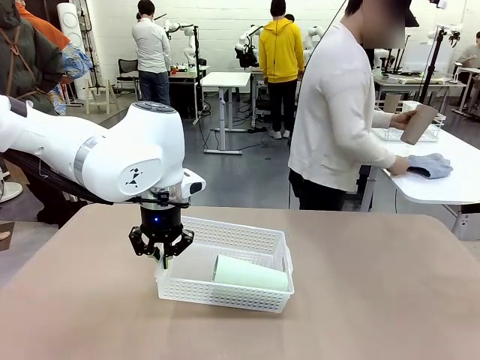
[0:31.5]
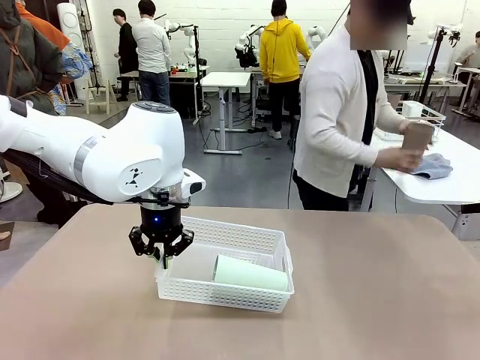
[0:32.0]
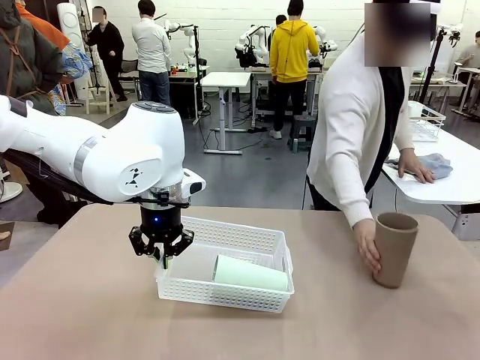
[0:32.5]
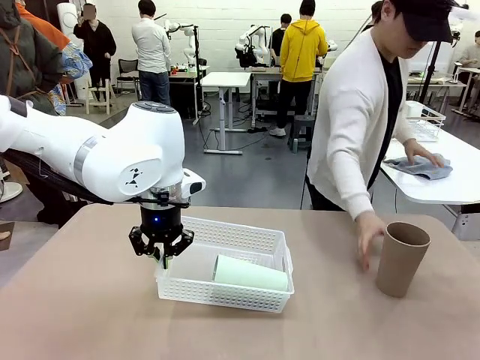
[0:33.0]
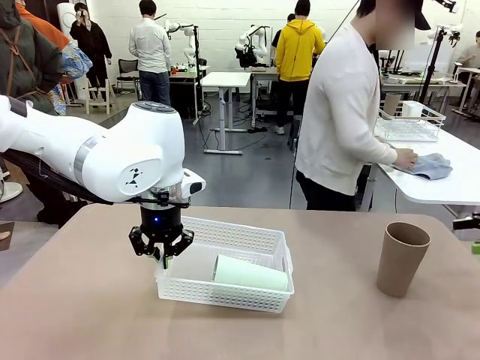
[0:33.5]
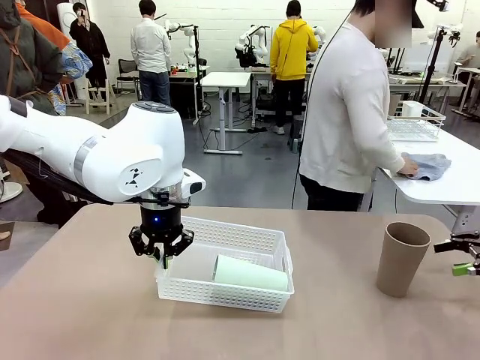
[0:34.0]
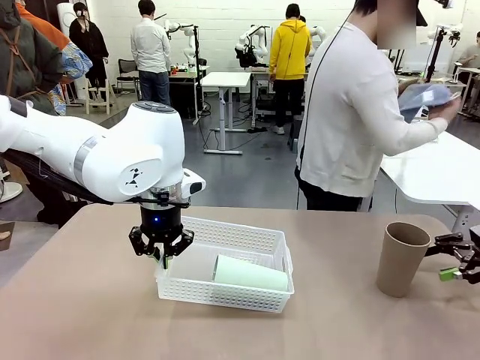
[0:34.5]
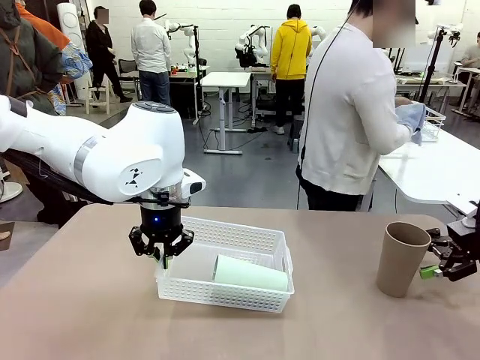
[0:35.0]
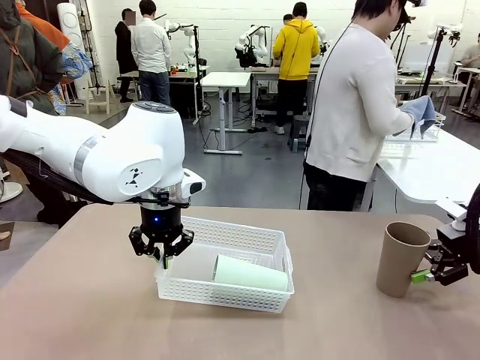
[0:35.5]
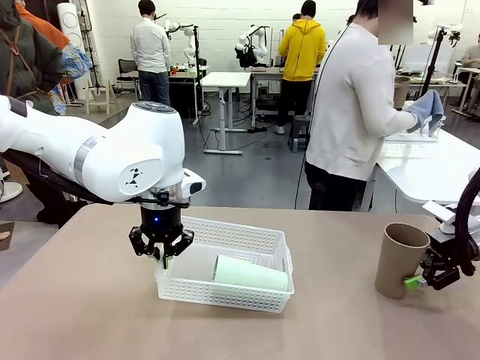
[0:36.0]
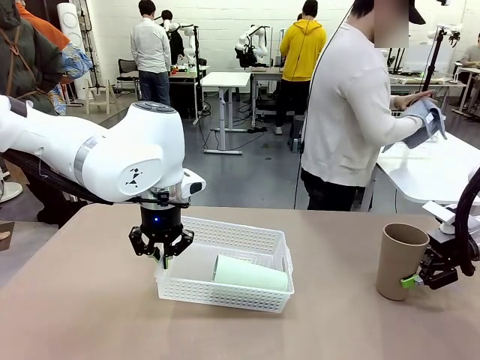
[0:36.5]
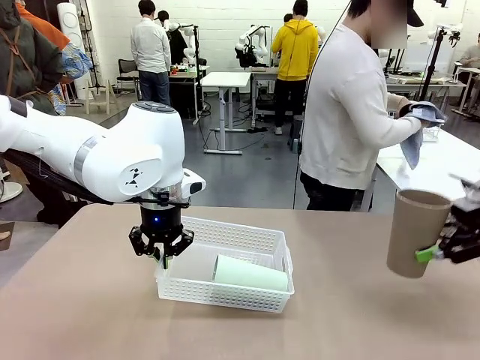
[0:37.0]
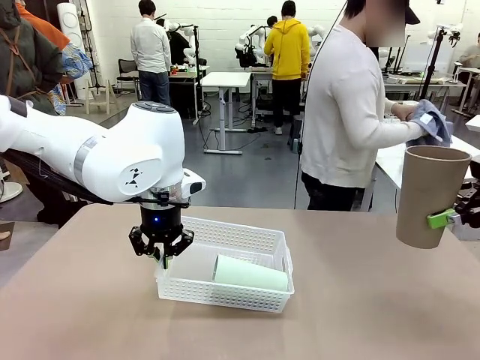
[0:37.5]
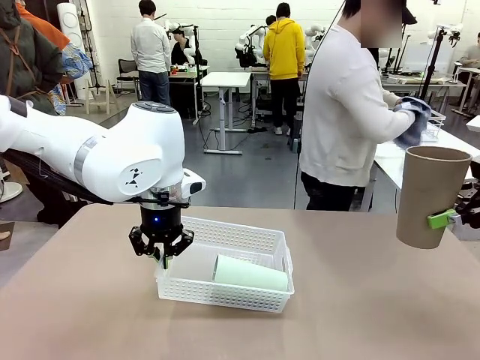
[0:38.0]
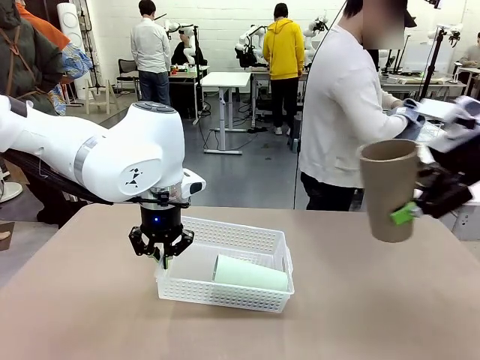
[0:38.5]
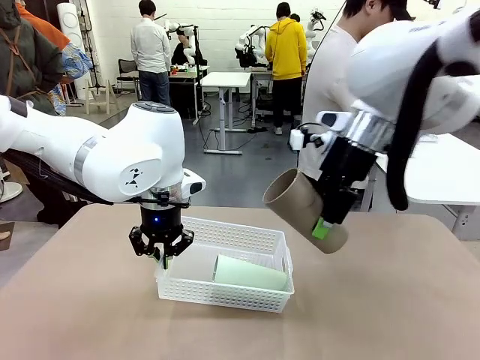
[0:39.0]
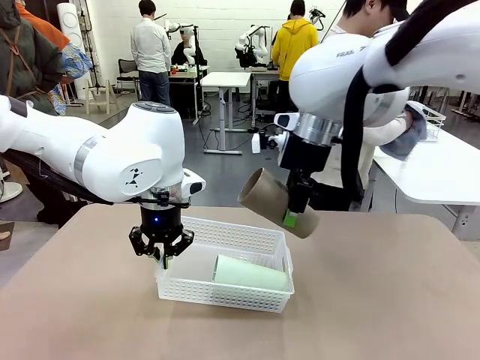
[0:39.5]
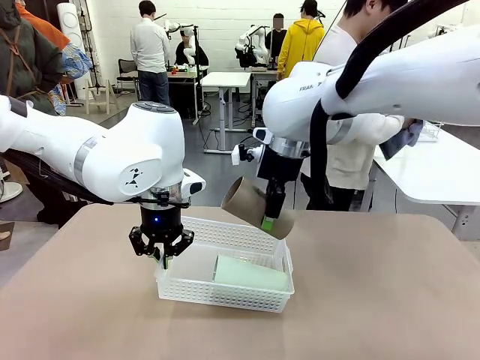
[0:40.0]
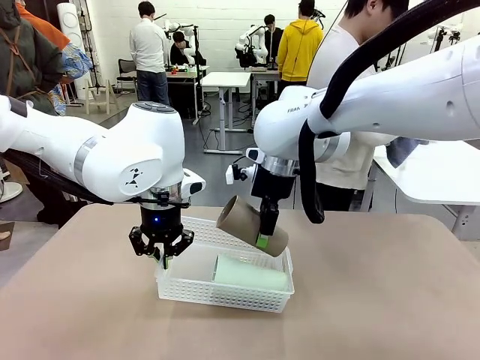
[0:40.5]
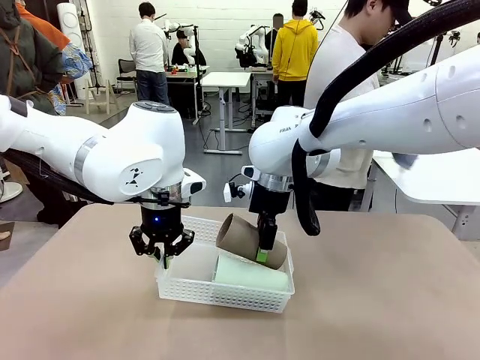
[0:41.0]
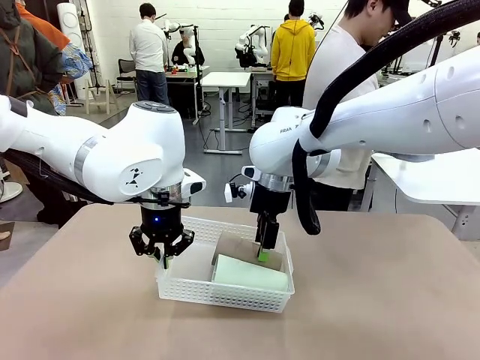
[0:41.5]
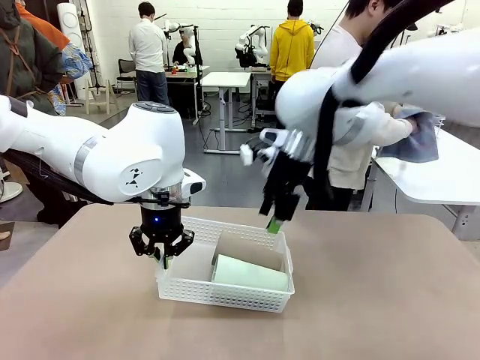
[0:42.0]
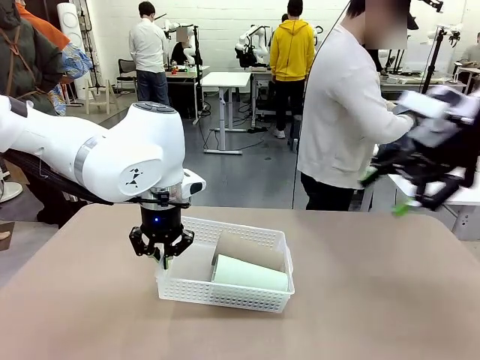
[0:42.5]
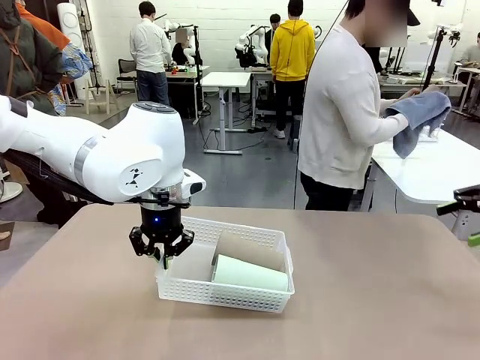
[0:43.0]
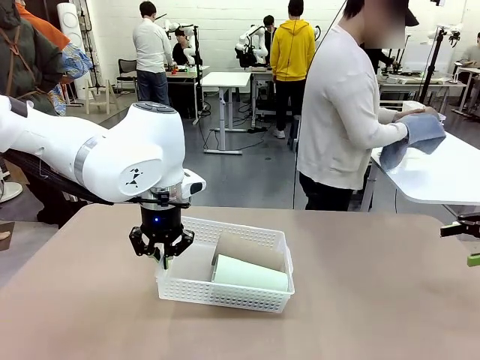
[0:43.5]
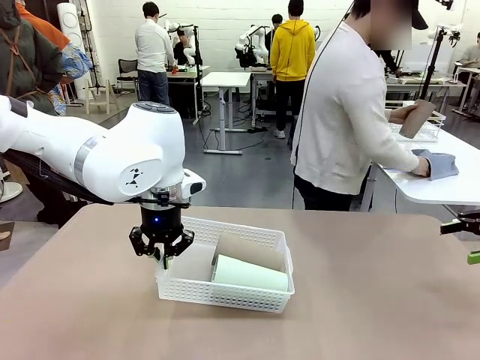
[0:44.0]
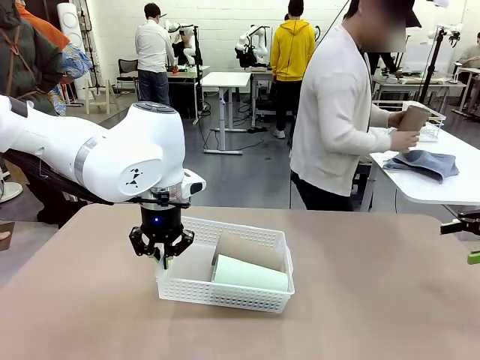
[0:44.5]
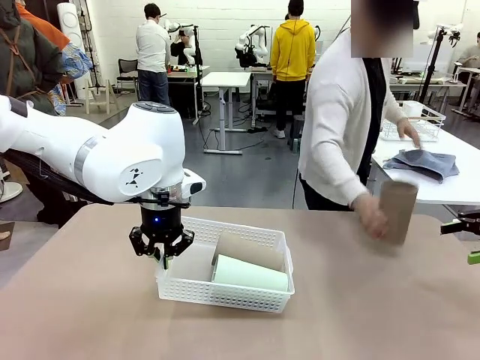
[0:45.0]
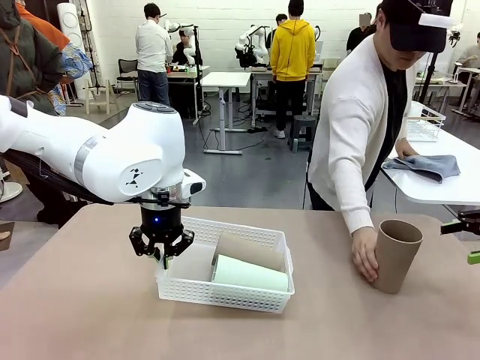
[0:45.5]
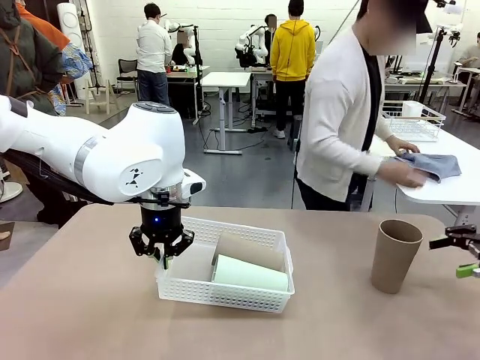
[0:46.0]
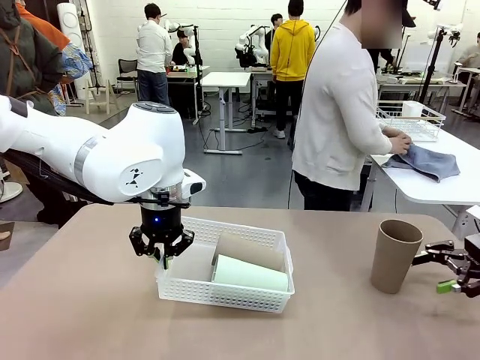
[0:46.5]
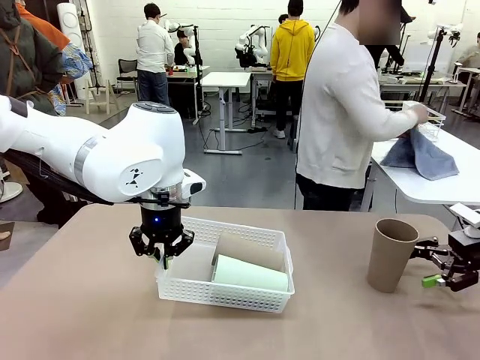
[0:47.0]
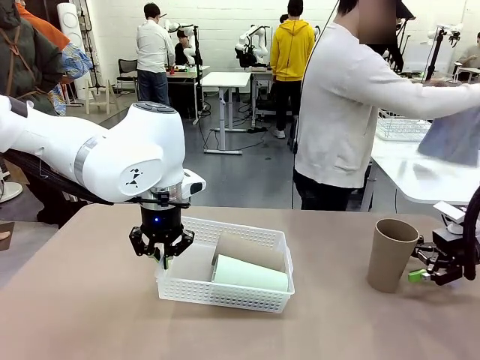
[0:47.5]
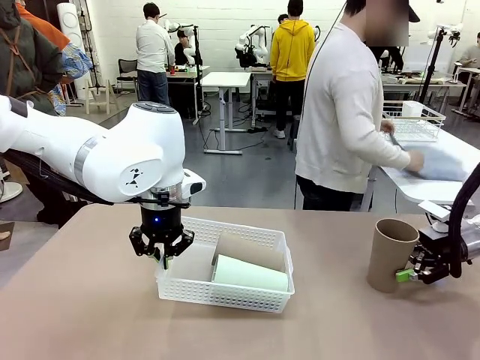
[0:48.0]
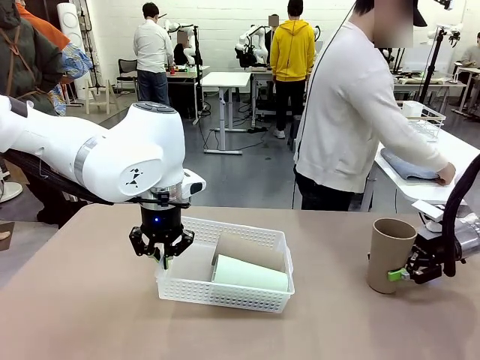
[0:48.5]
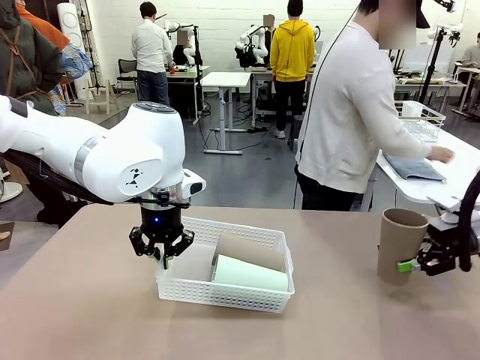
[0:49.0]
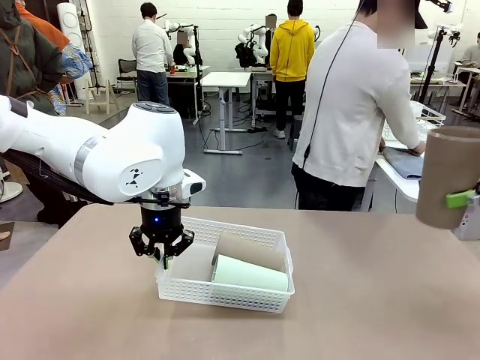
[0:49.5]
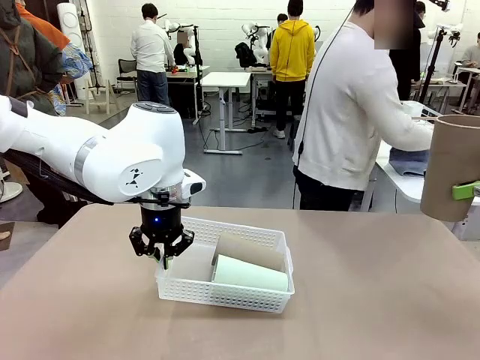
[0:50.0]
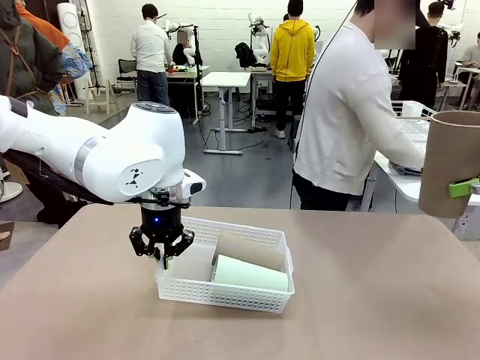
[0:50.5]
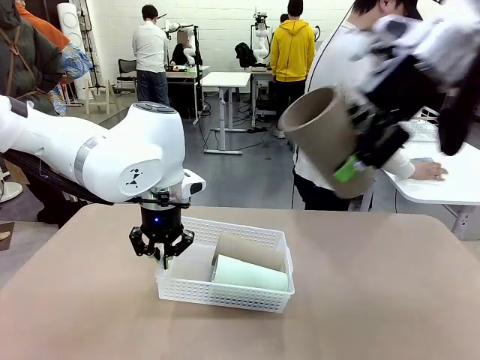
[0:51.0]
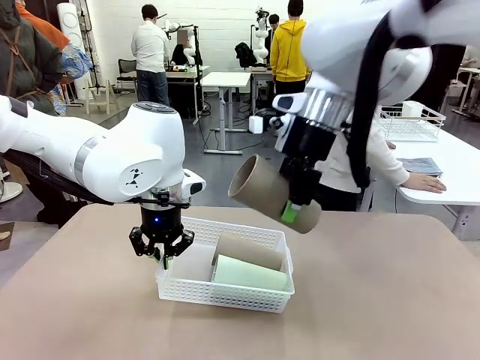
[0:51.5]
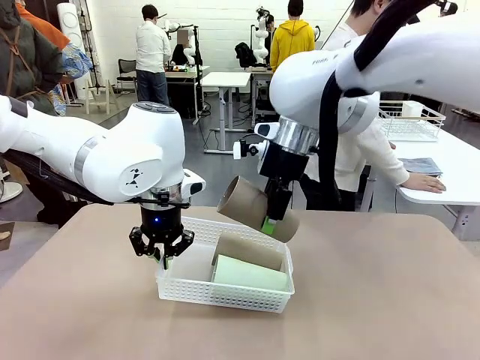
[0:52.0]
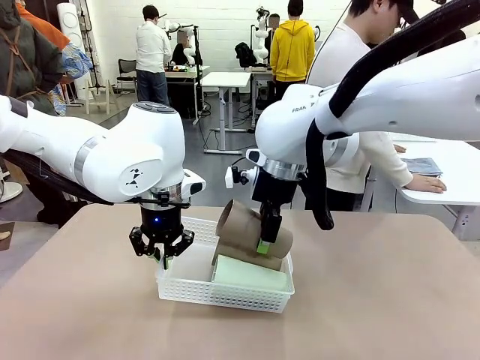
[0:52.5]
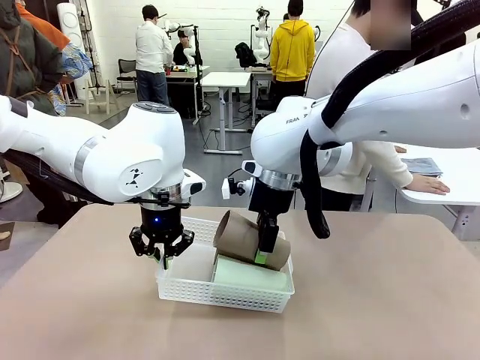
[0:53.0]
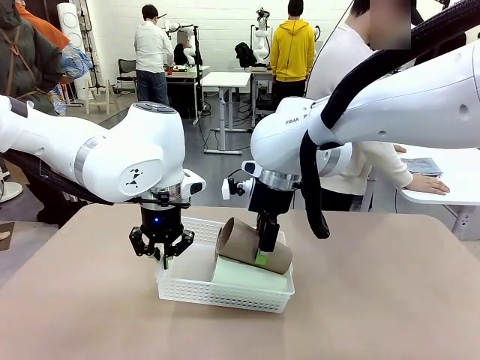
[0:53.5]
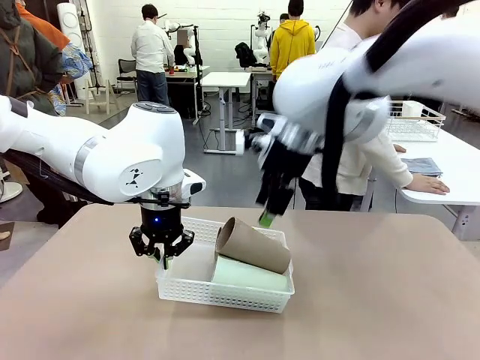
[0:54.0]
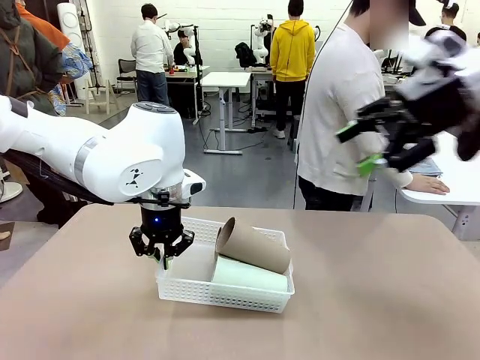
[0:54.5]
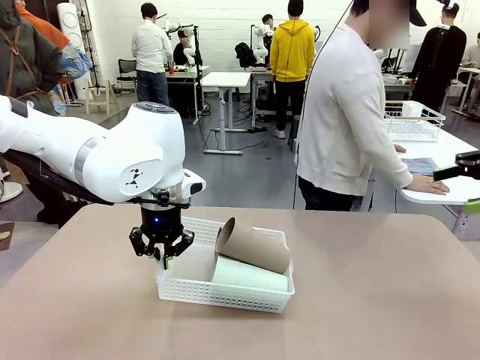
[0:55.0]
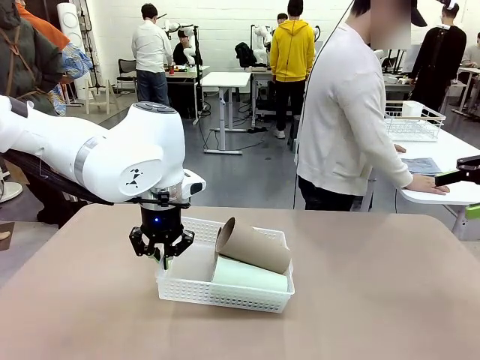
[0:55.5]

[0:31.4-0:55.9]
Task: Clean and organize the cups into the basket.
Robot: Pick up the Reusable plastic cup from the right side of the table and stack it inside the Organizing basket in the center of the table.

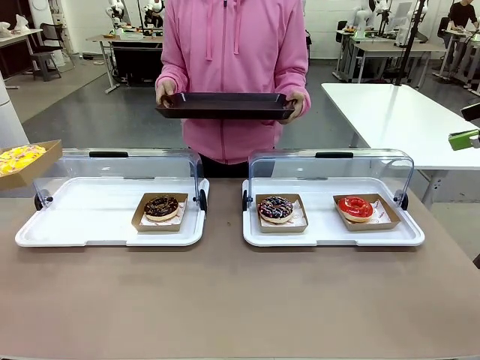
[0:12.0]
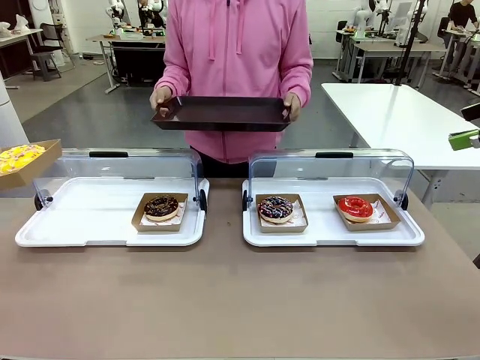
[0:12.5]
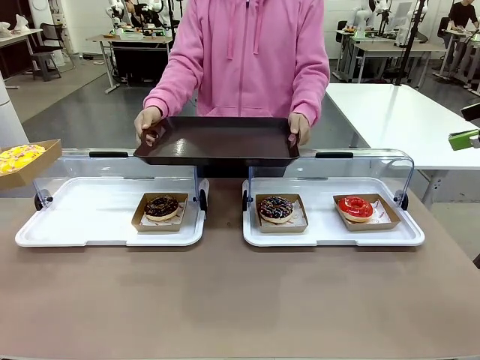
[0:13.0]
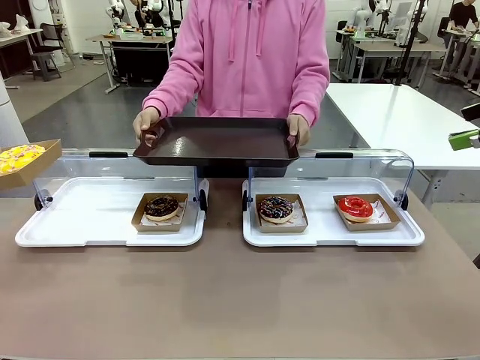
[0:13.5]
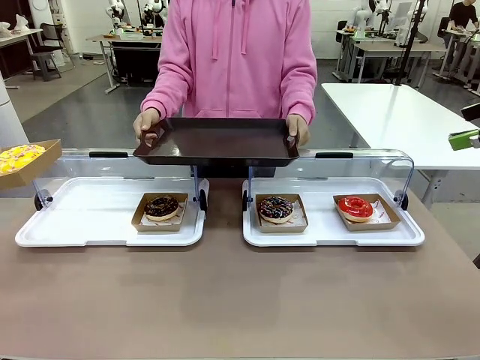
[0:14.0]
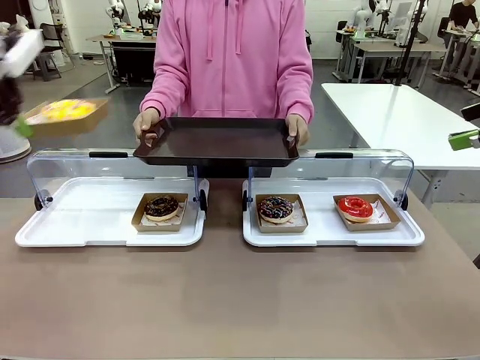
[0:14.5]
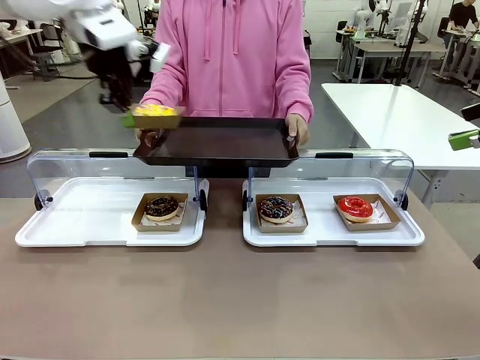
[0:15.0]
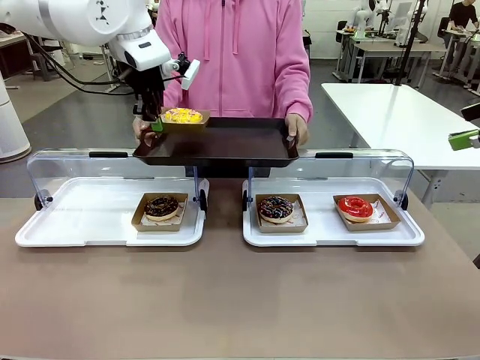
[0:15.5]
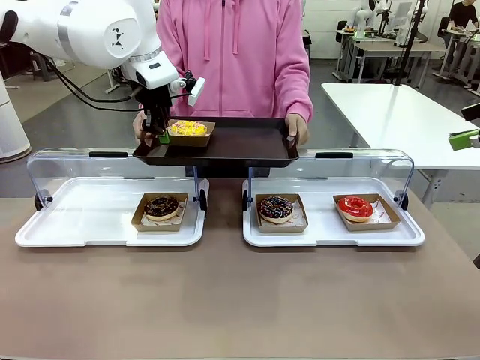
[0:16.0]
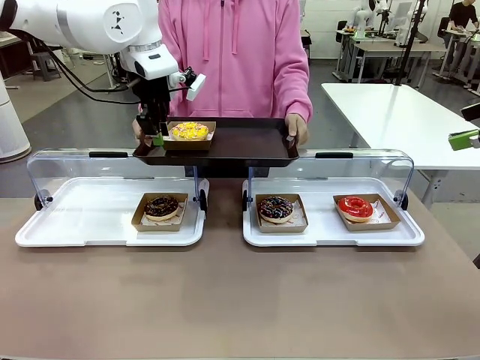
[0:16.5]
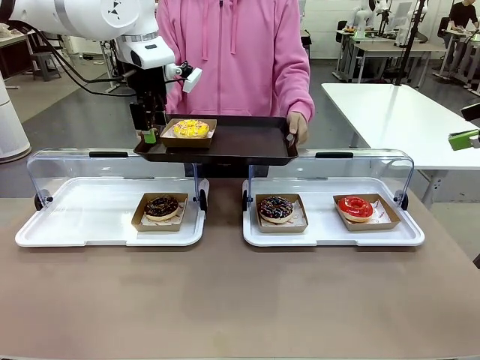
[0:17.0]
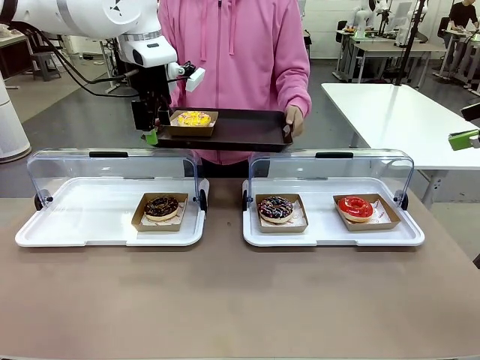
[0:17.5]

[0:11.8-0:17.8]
Task: Provide the desired donut to the person.
Robot: Place the picked Paper togo box onto the Handle tray extended by the person.
